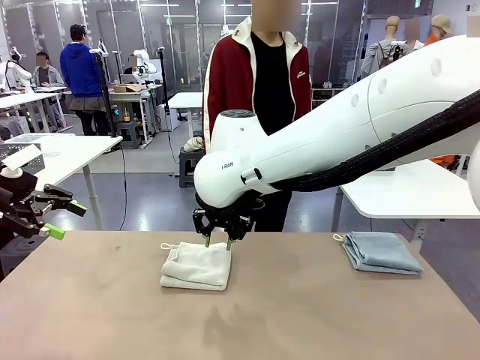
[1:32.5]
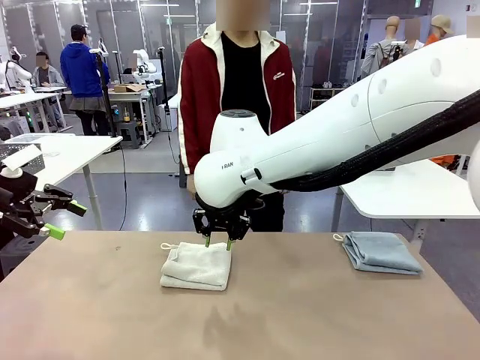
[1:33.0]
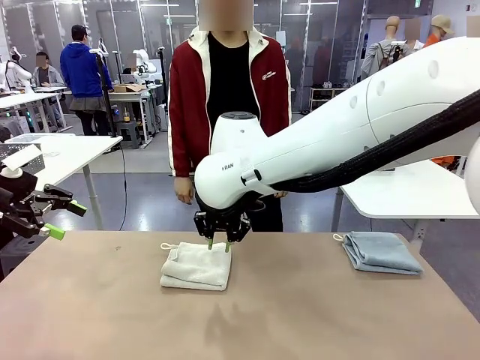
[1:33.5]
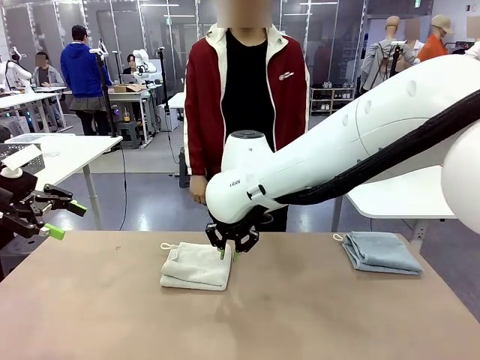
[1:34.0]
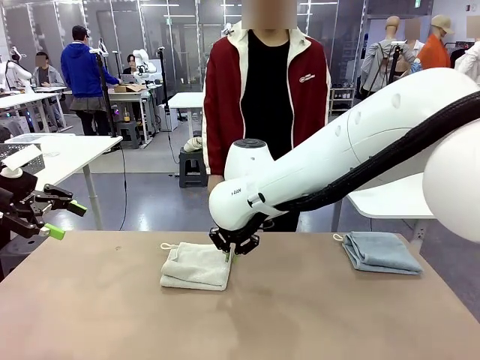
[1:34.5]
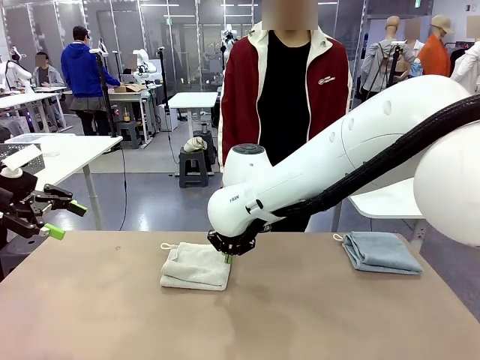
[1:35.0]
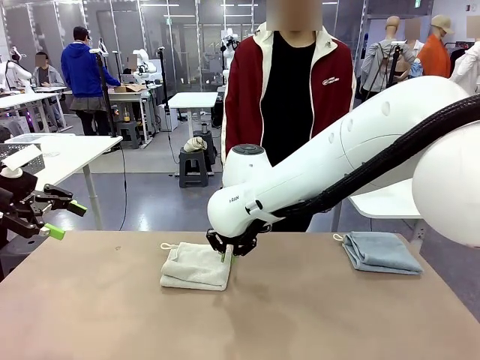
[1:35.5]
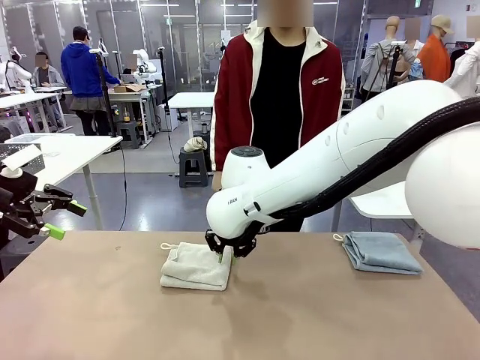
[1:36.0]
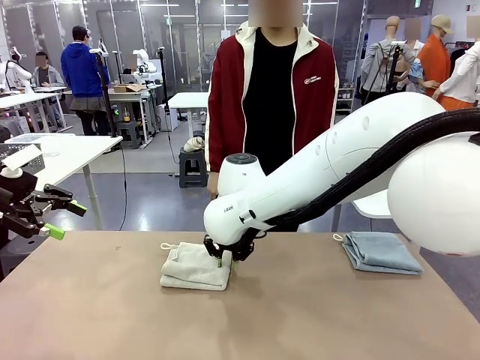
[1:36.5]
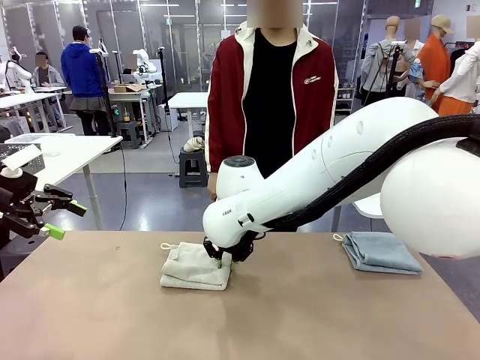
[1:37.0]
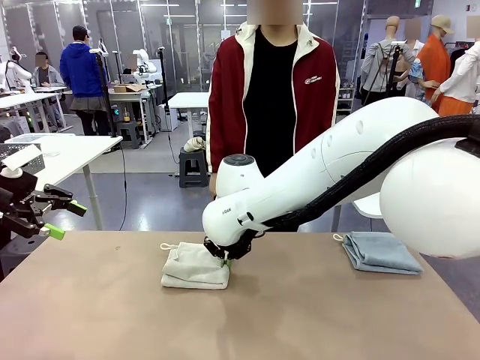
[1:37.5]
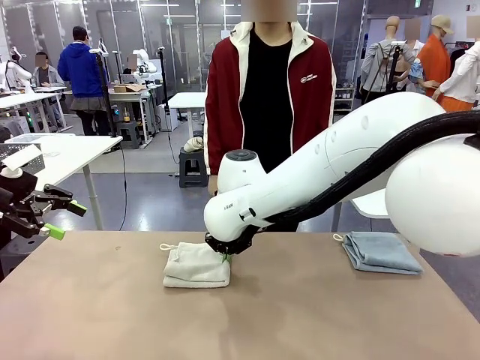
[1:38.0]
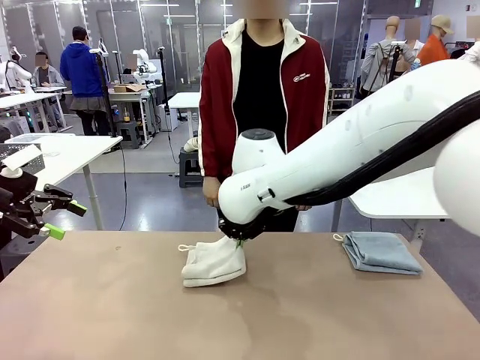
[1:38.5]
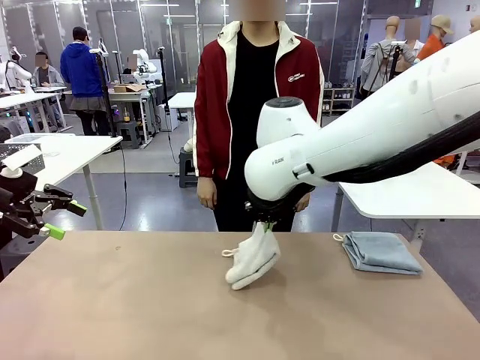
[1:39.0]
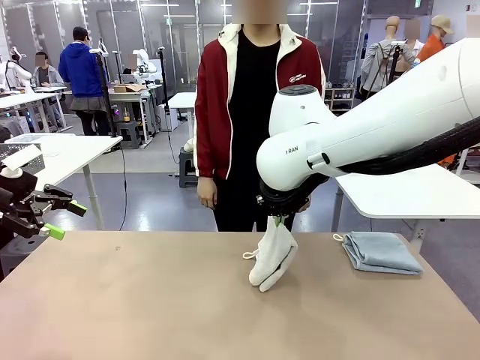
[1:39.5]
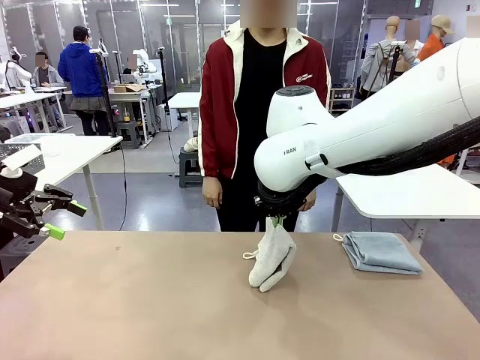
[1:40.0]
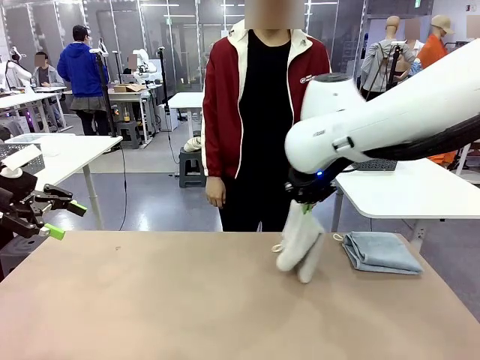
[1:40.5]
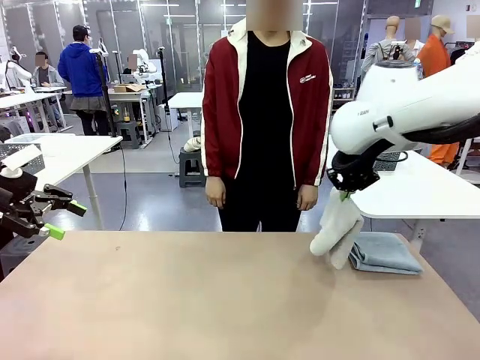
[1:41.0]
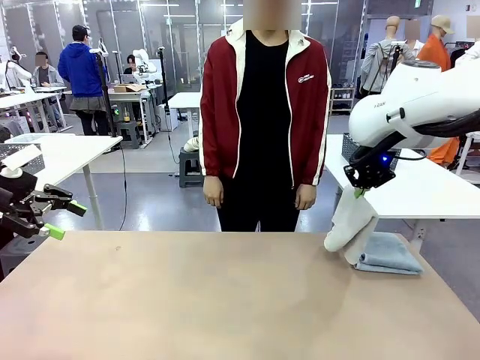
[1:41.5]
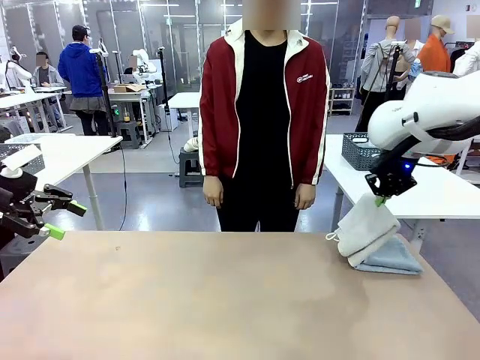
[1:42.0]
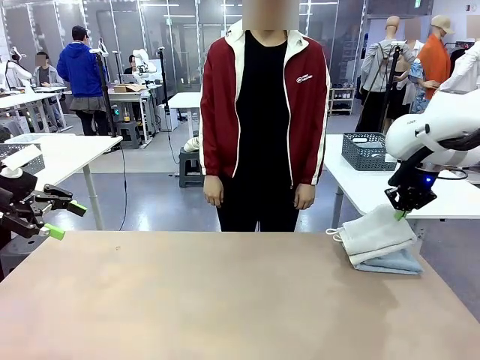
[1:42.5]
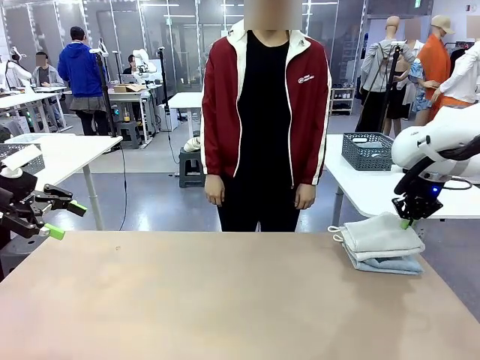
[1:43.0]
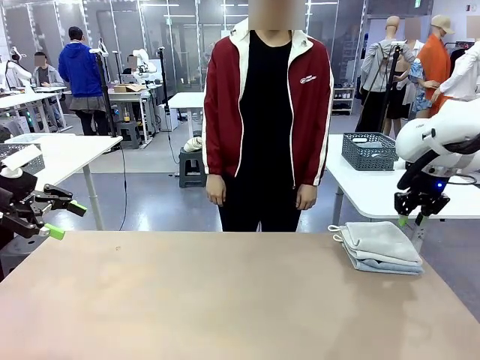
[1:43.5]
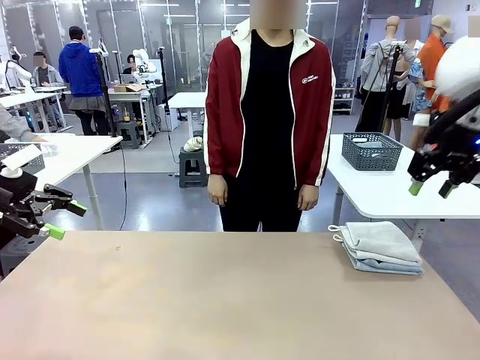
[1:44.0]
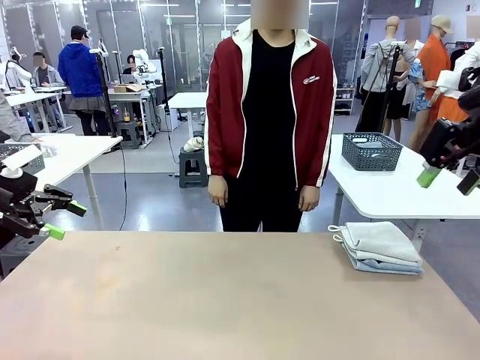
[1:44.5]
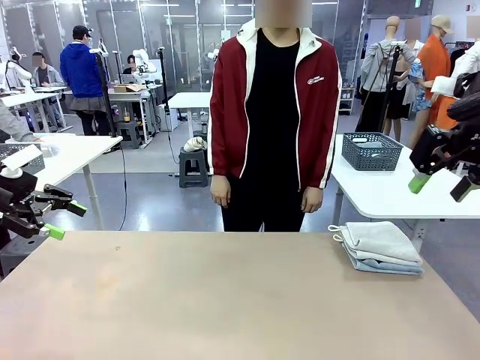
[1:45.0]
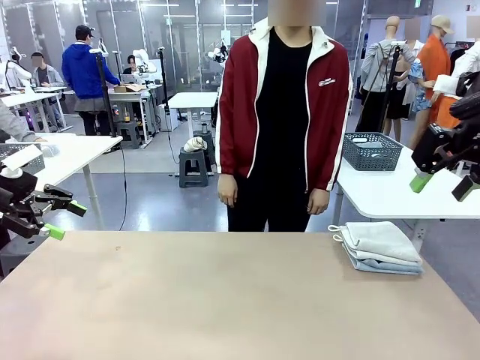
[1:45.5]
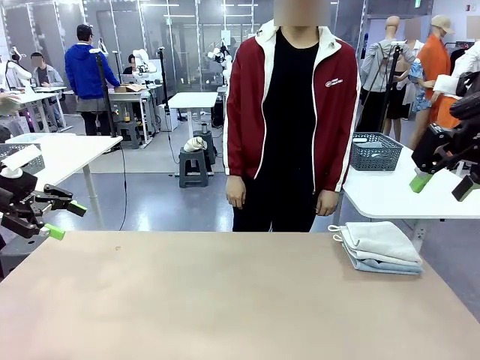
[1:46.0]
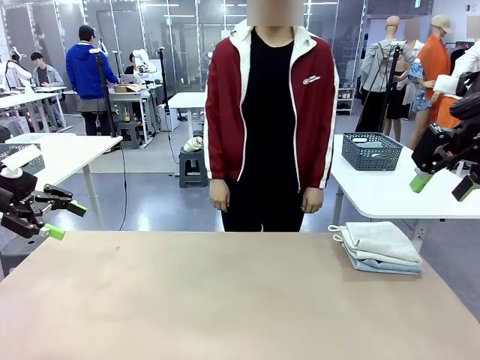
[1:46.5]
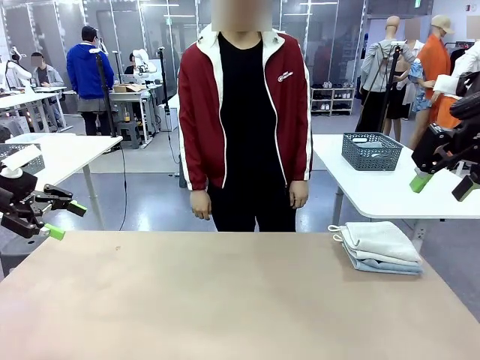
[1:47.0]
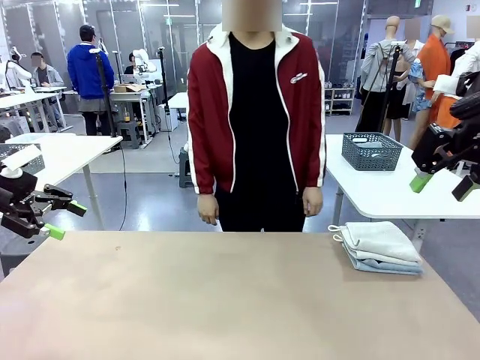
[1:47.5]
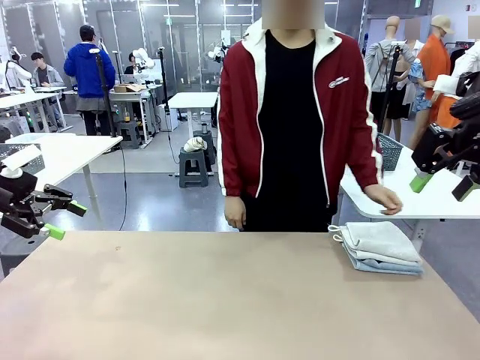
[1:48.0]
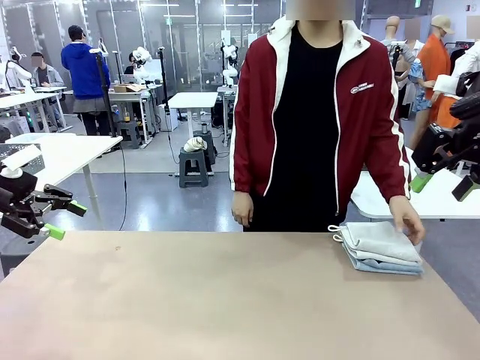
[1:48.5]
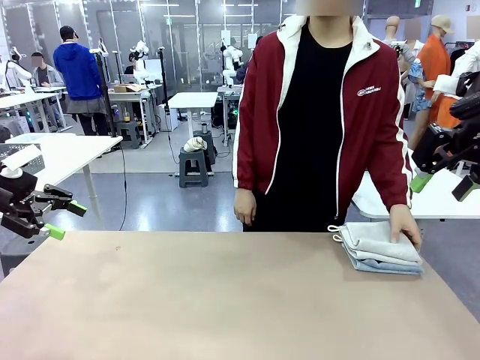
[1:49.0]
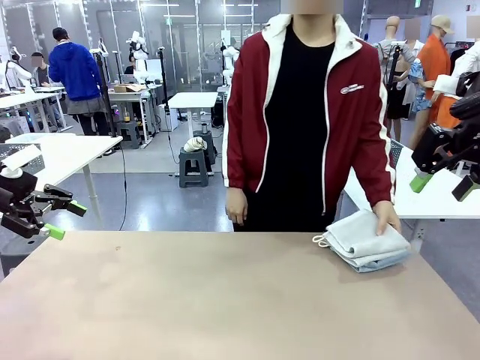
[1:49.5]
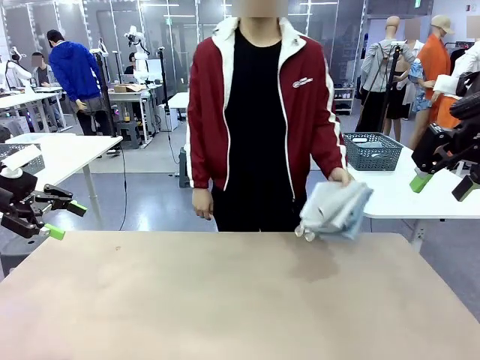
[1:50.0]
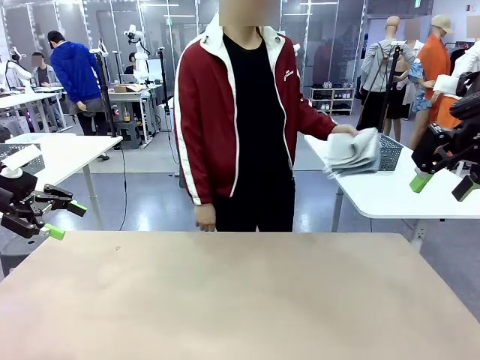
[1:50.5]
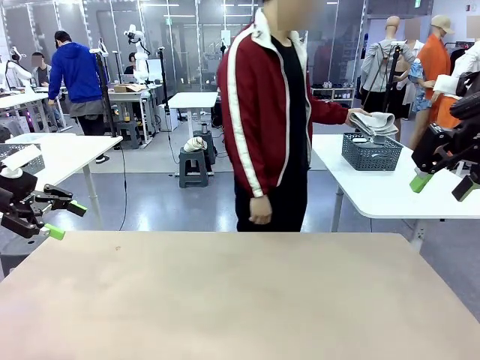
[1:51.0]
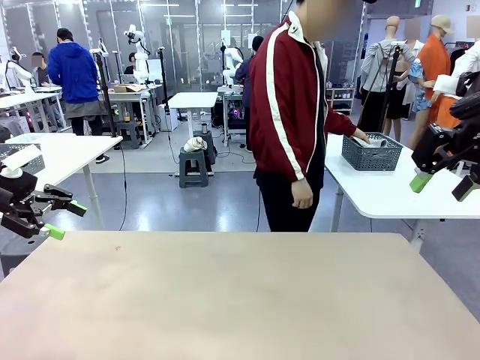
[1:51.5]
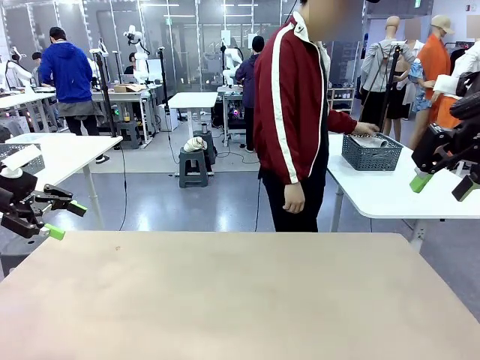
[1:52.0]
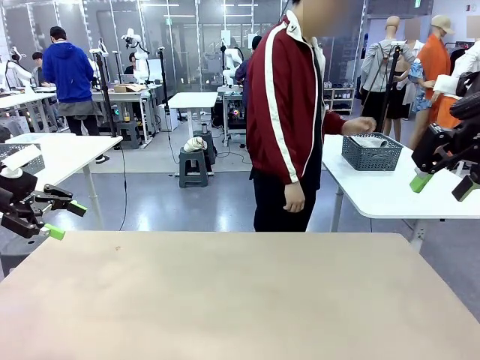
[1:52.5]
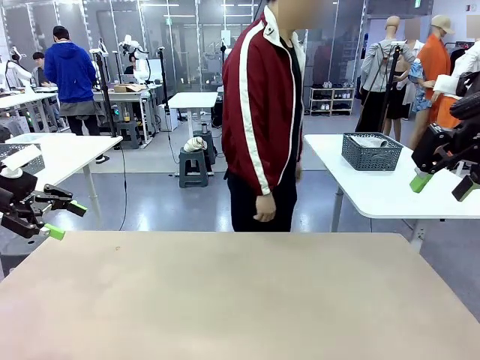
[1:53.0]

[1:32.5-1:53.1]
Task: Fold the towels and place them in the basket.
Robot: Stack the folded Towel with hook on the right side of the table.
Person: Pick up the stack of towels from the robot table and place it into the basket.

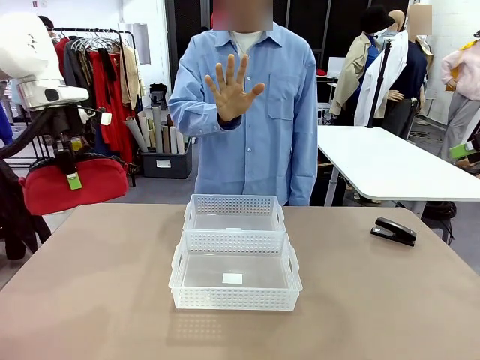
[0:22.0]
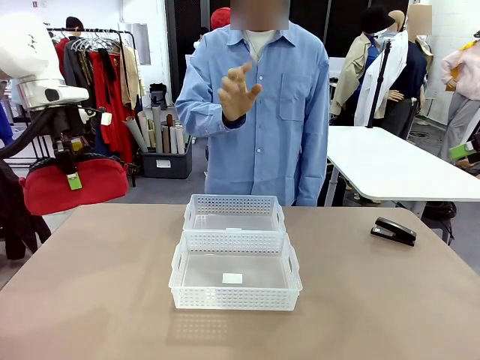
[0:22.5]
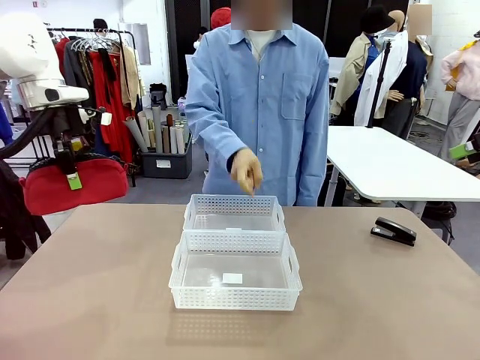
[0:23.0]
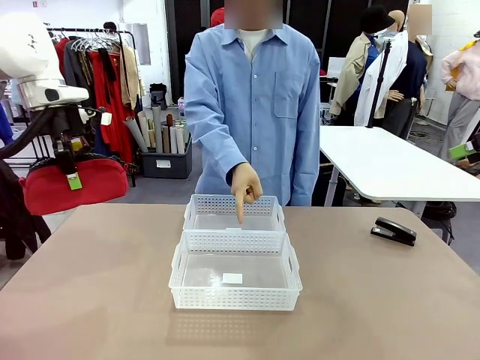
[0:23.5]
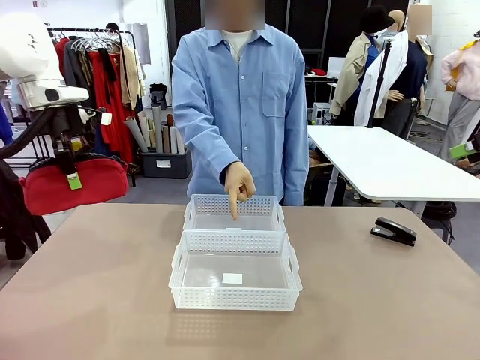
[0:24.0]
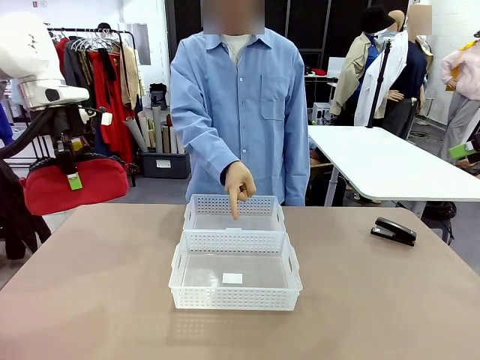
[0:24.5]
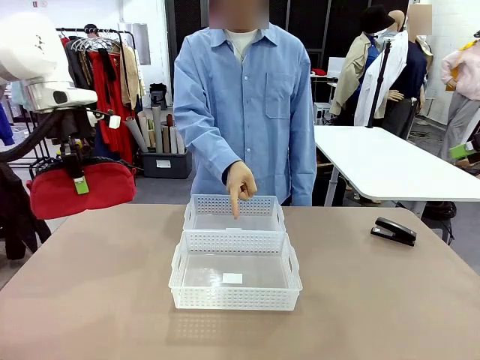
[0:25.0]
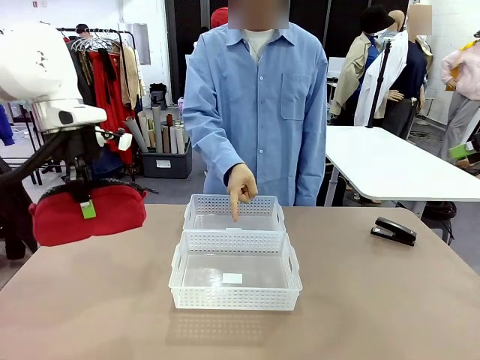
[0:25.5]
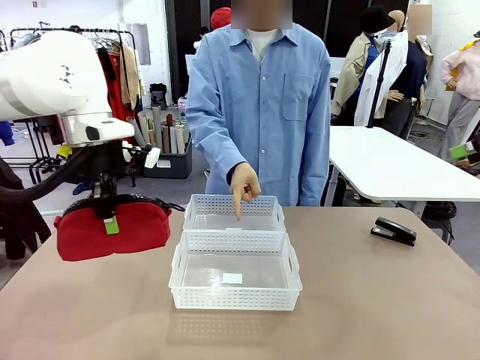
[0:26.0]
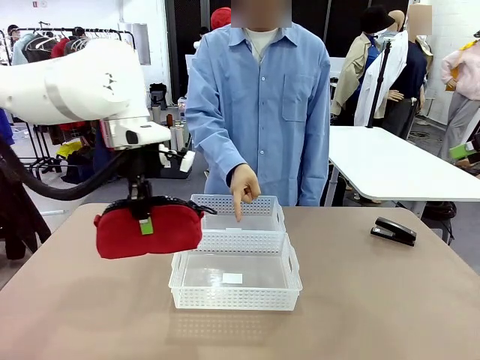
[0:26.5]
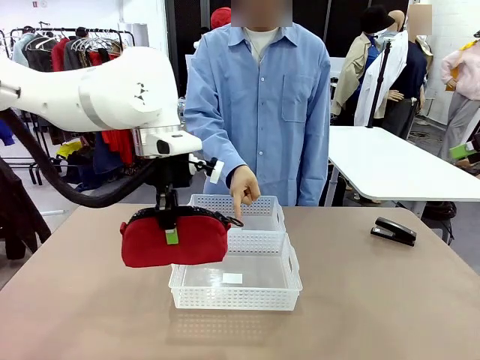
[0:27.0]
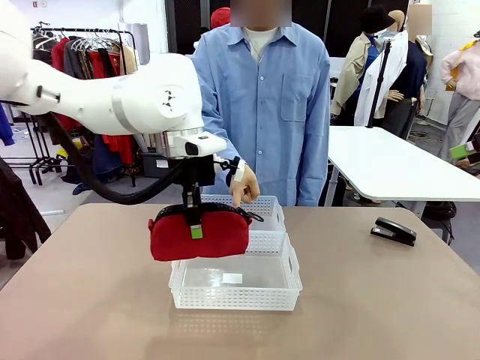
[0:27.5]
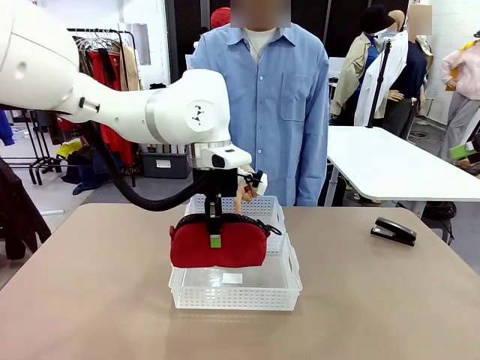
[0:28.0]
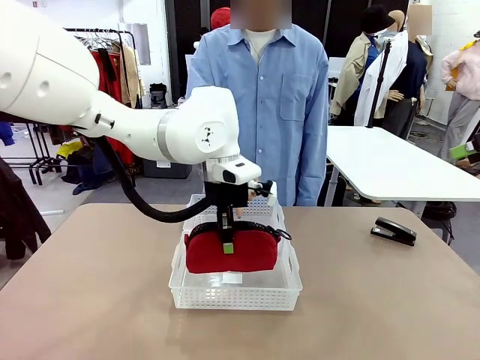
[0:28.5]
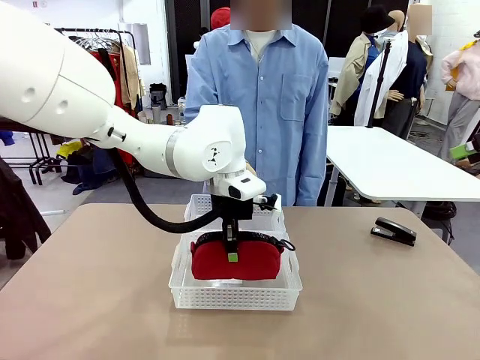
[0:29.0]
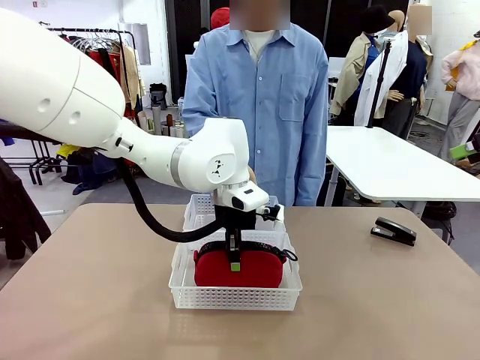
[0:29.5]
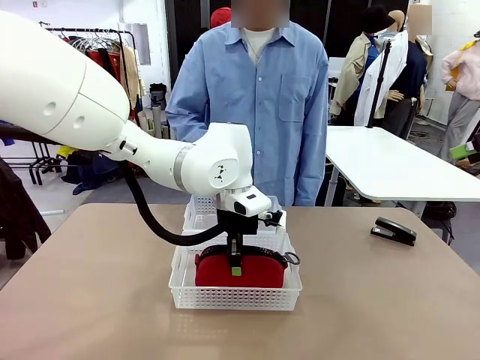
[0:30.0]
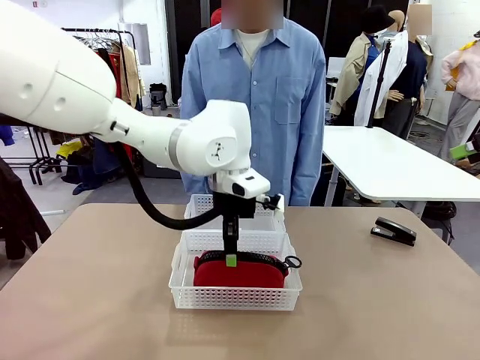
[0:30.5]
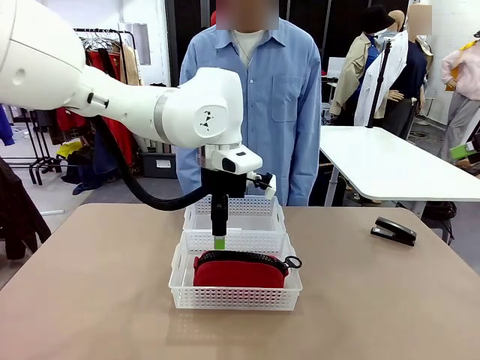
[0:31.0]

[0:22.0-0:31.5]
Task: Distribute items into two baskets.
Robot: Place the picked Pencil pouch into the Organizing basket as instructed by the person.
Person: Instructs the robot to place the pencil case into the opposite basket. Points to the stapler.
